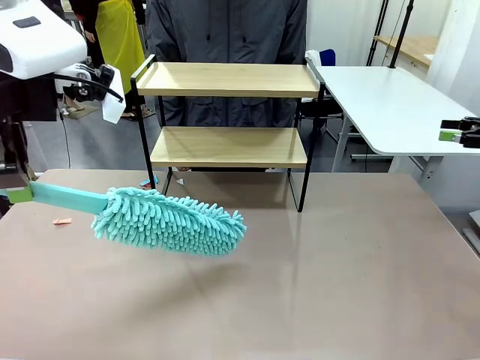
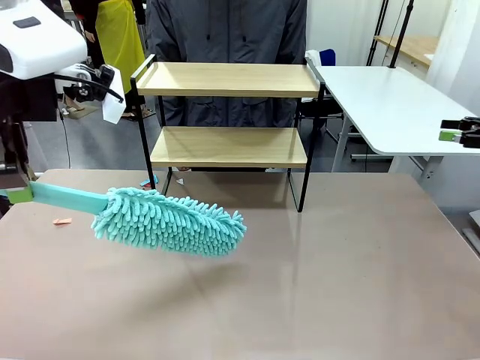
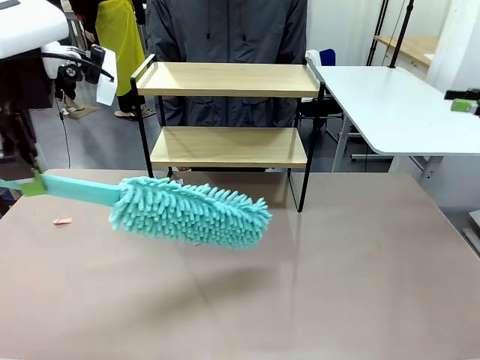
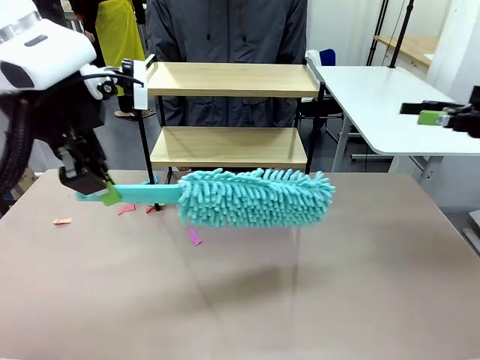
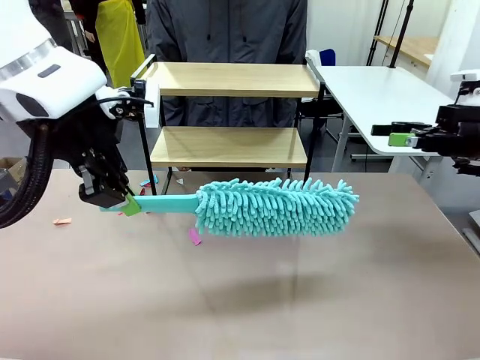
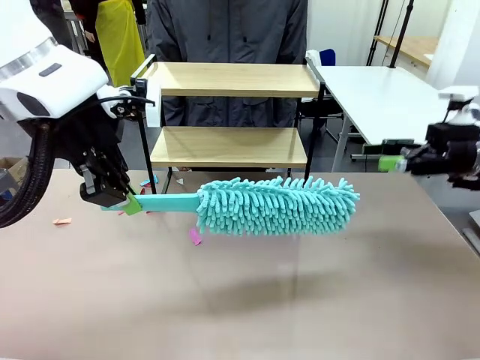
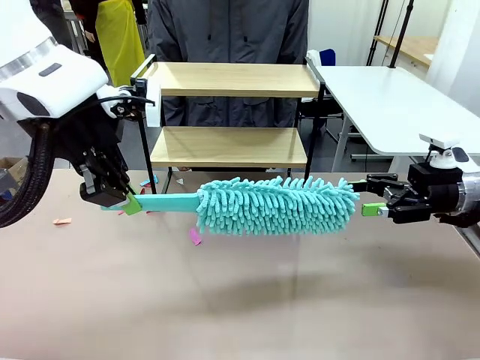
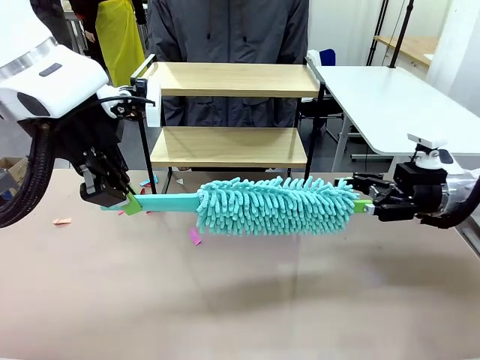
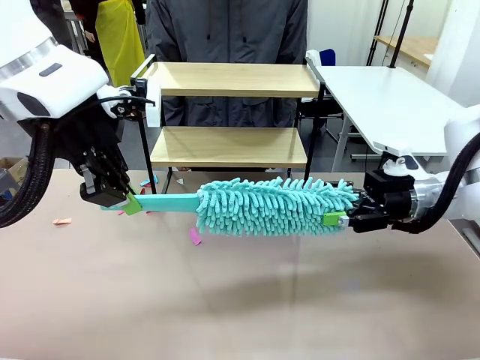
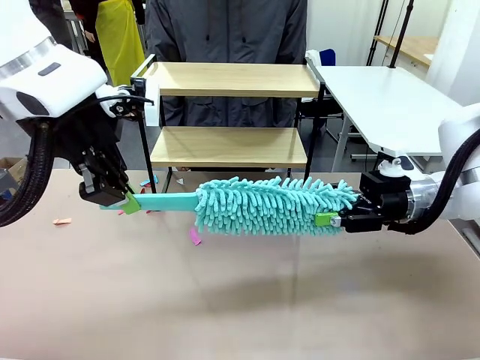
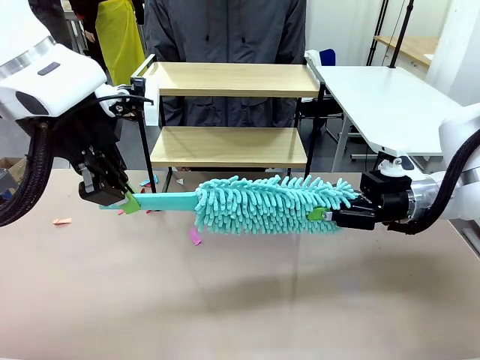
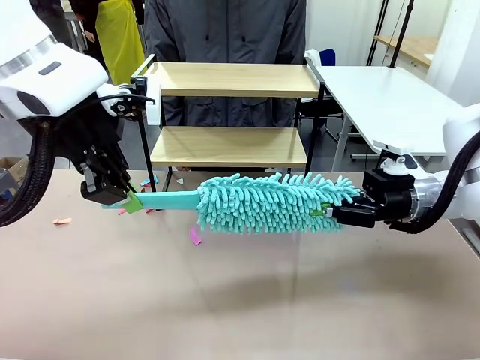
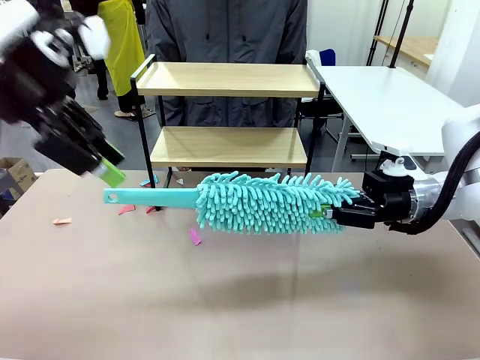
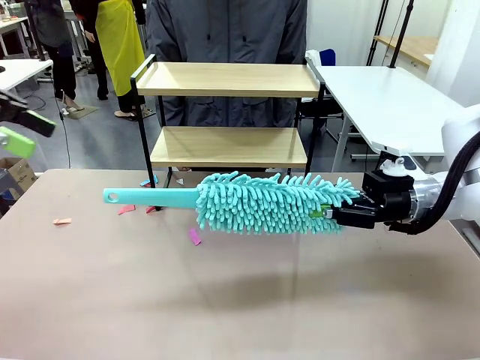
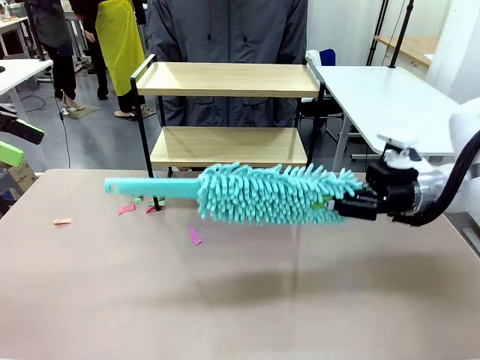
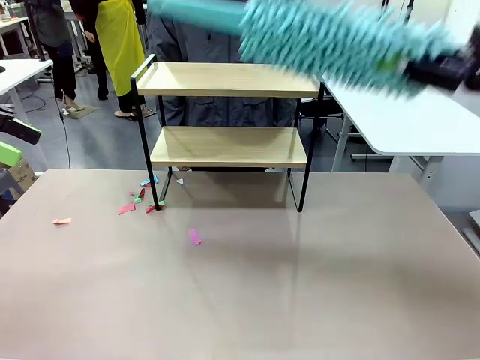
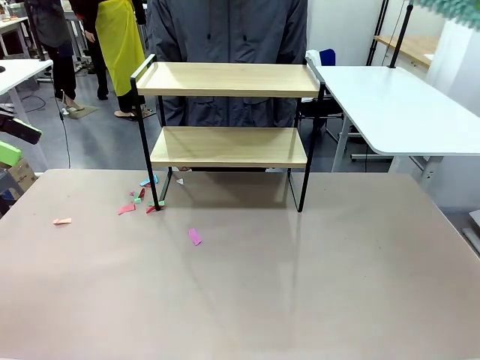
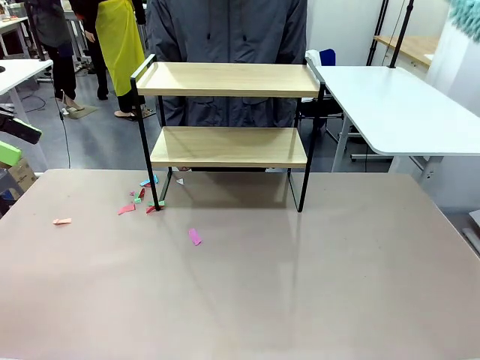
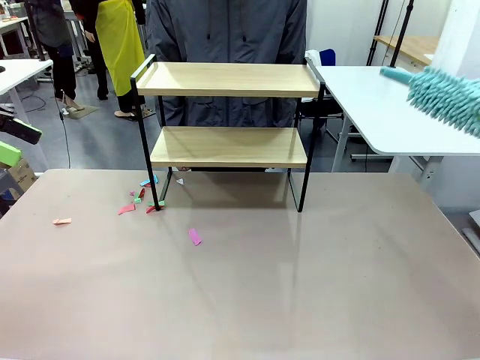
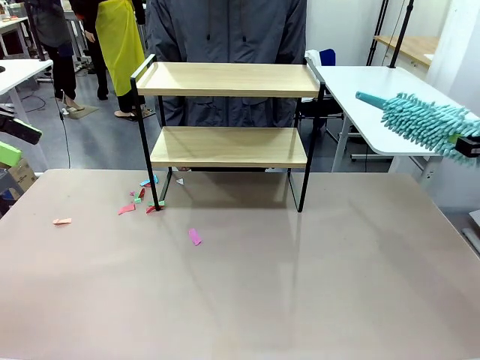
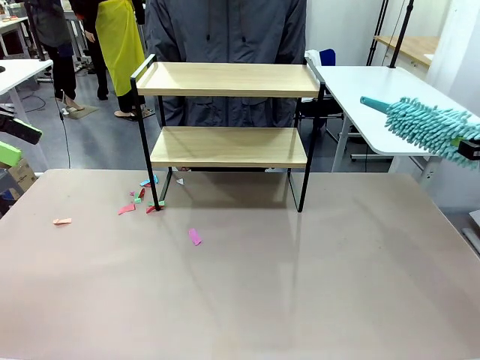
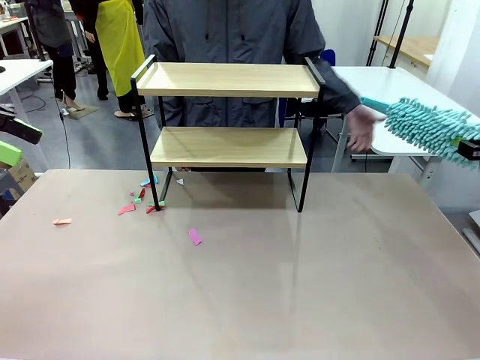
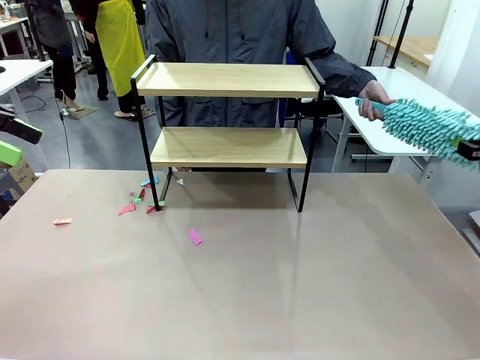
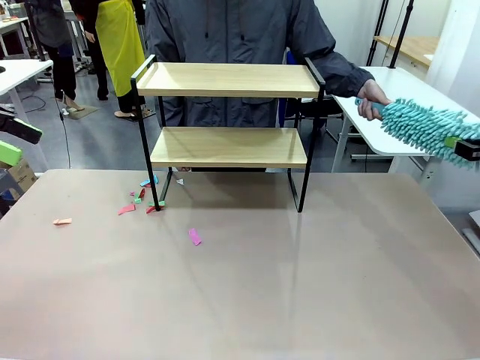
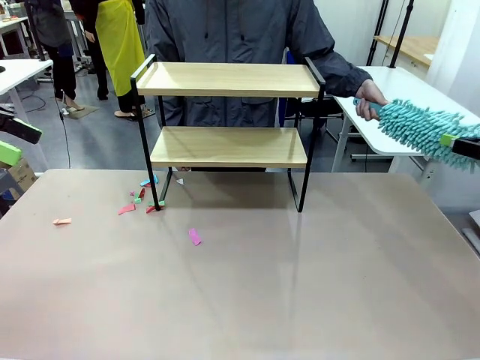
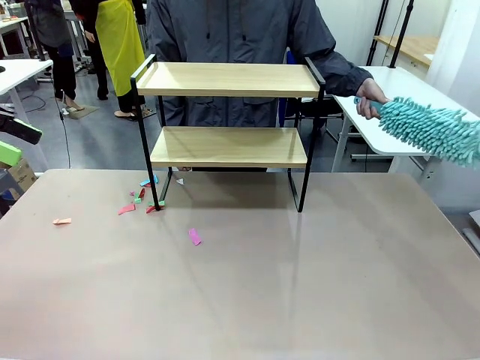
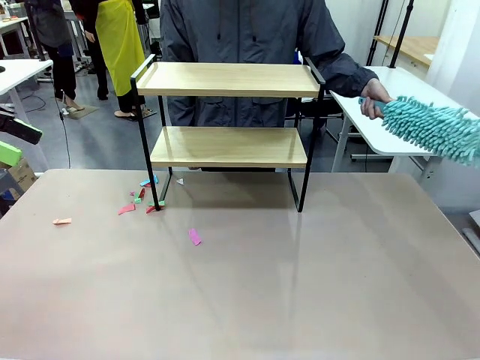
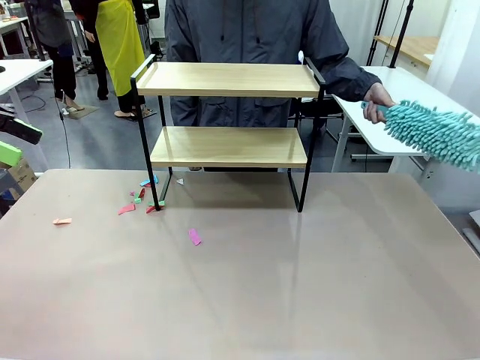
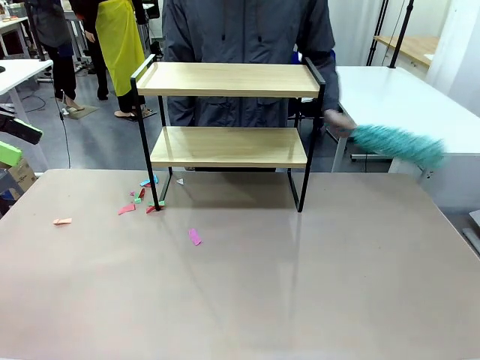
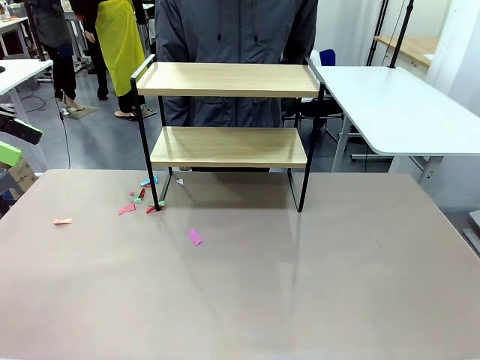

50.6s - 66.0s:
Task: Clean the shelf.
Robot: Hand the Duster back to the human.
Person: Receive the Duster from the robot.

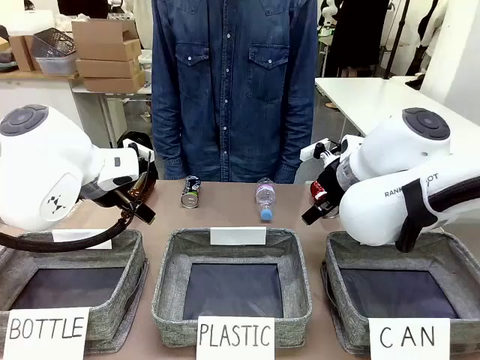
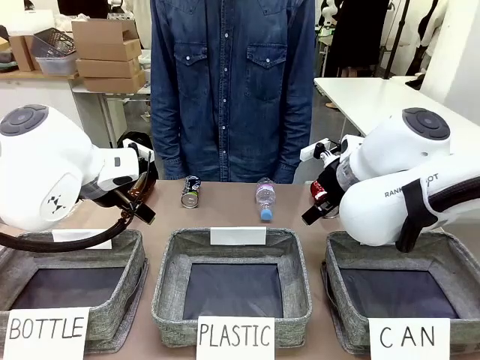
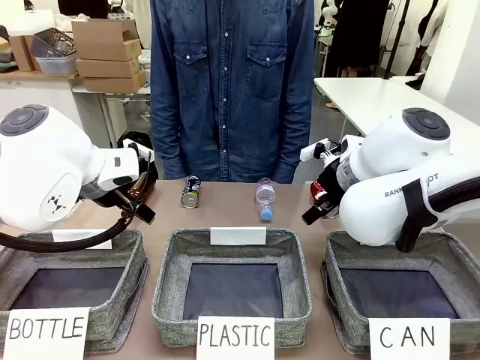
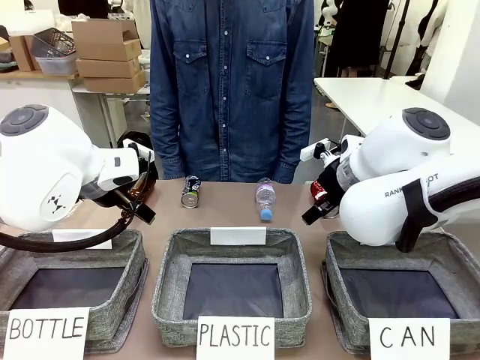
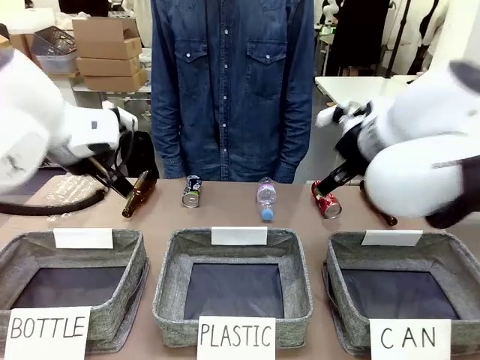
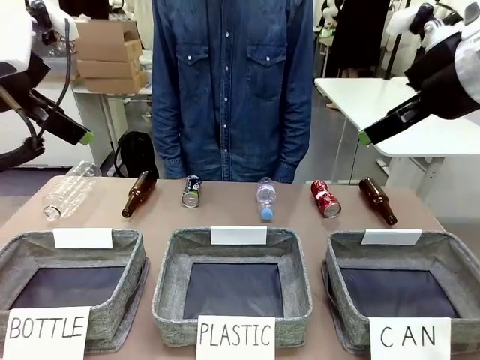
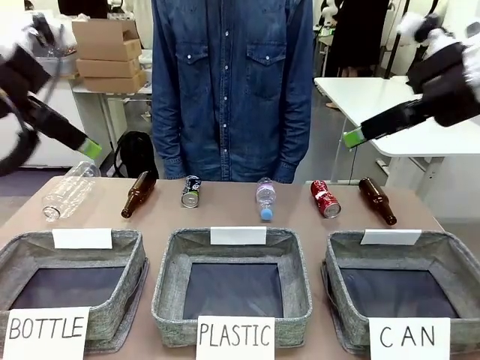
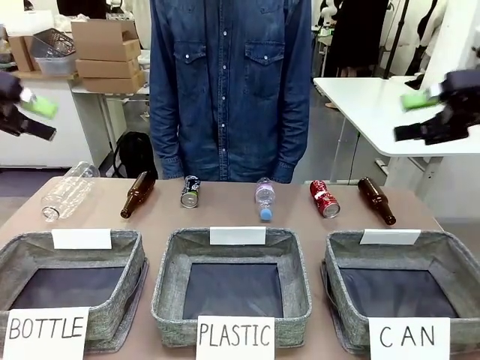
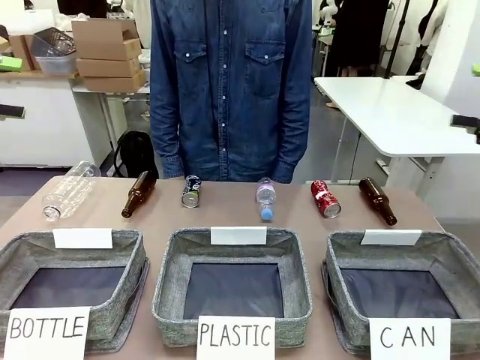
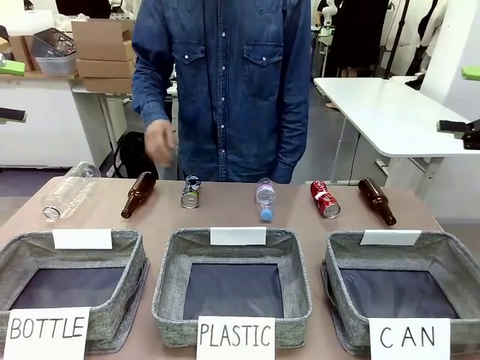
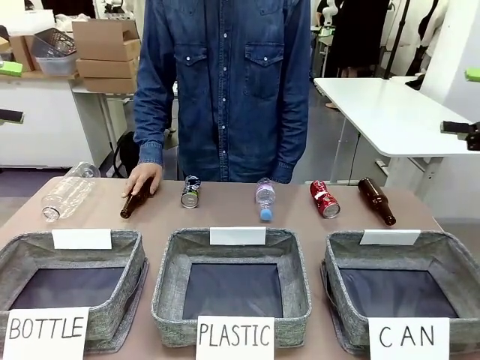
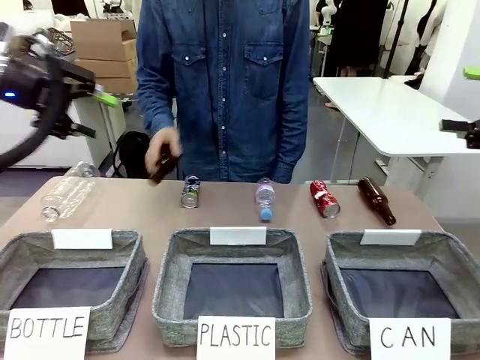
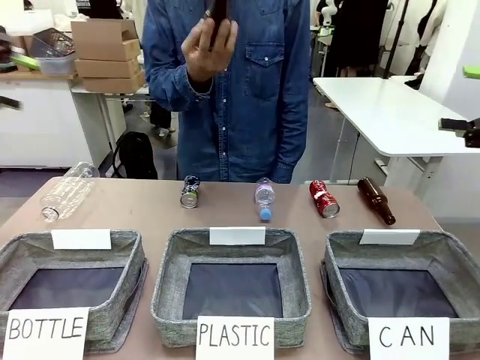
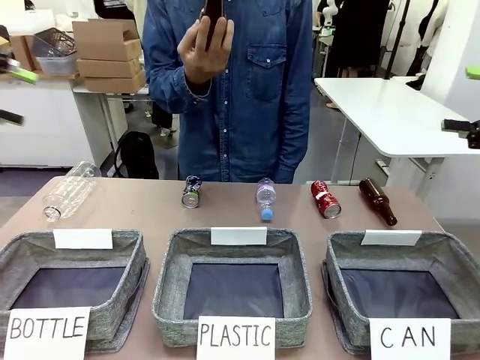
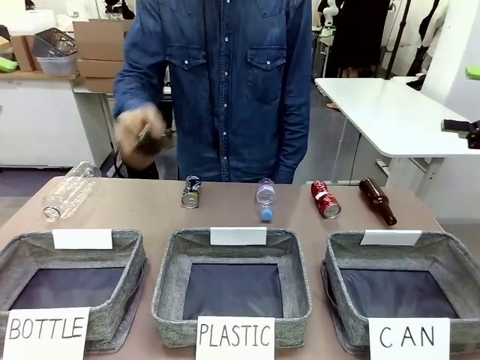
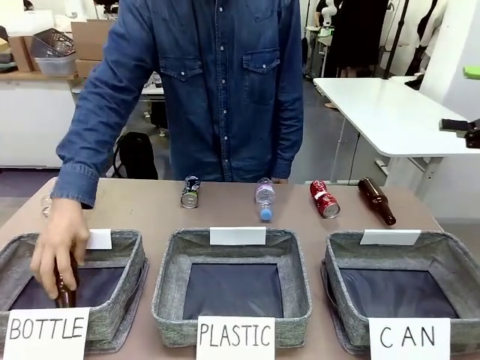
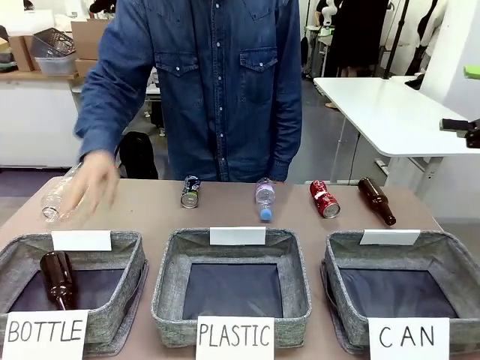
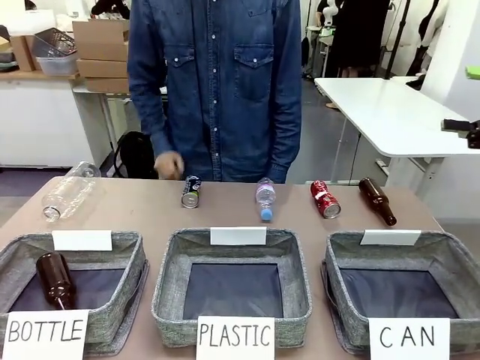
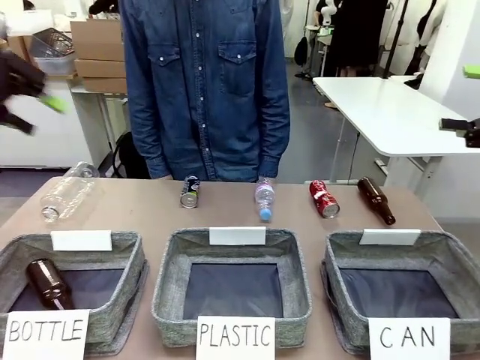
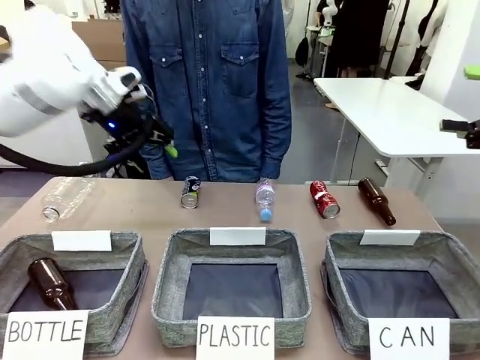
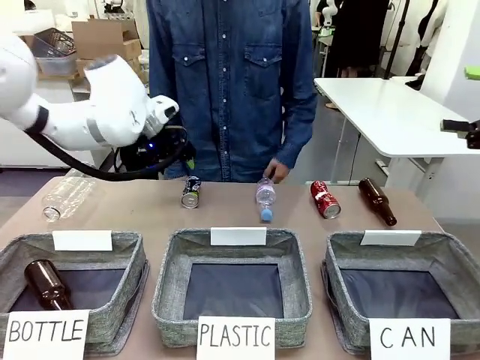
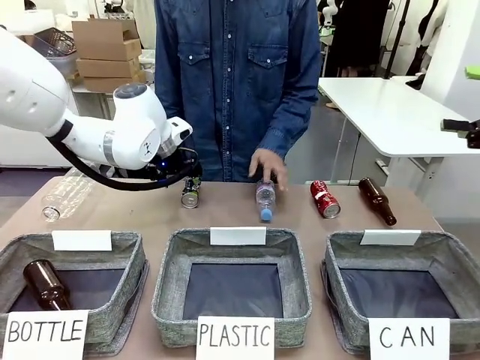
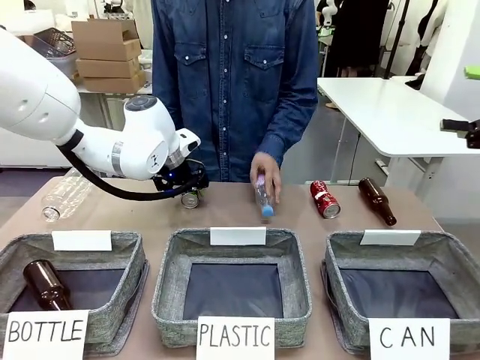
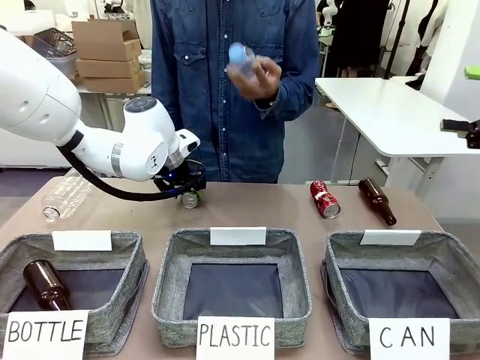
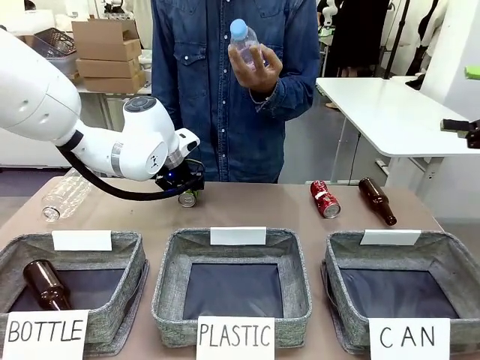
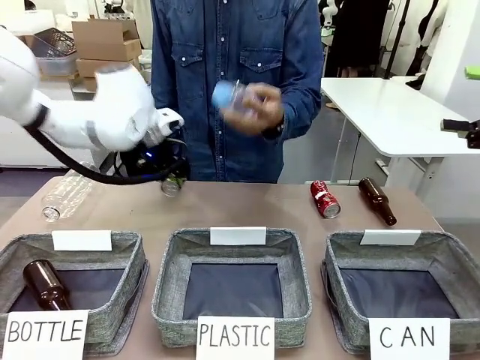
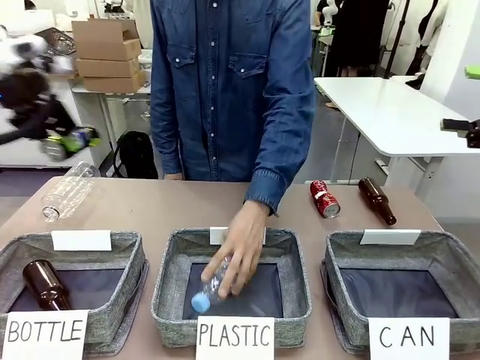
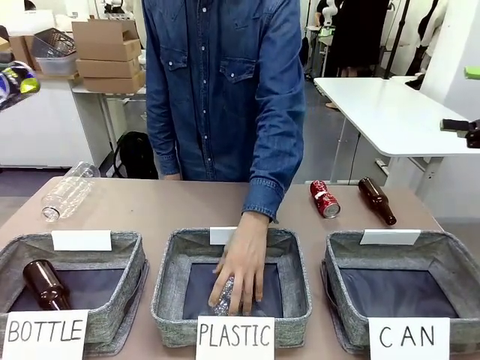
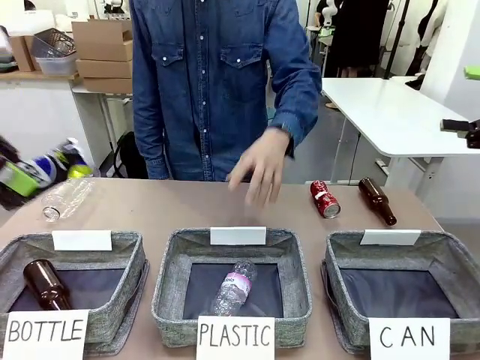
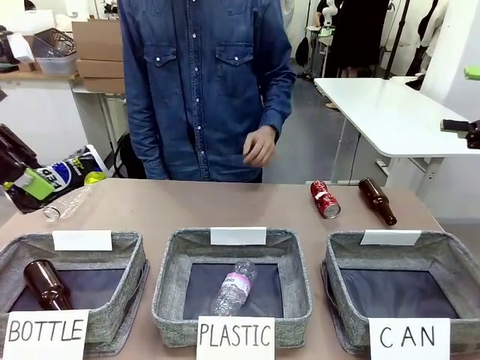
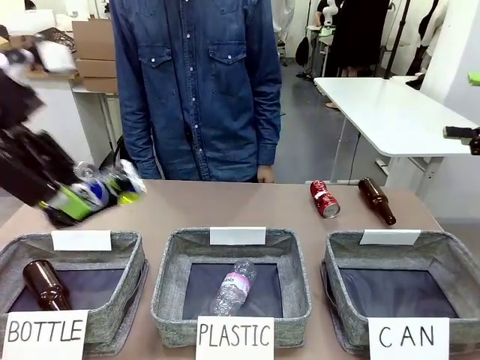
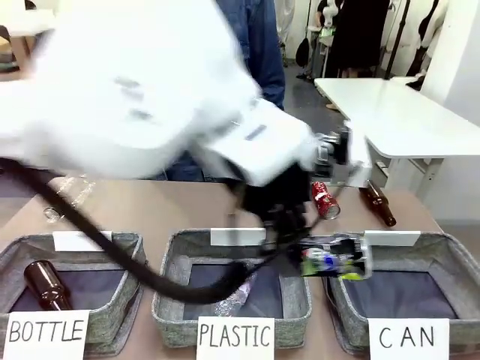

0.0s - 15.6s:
Task: Sort the can waste into the basket.
Robot: Pick up the can waste from the table and place it in the right Fabric basket.
